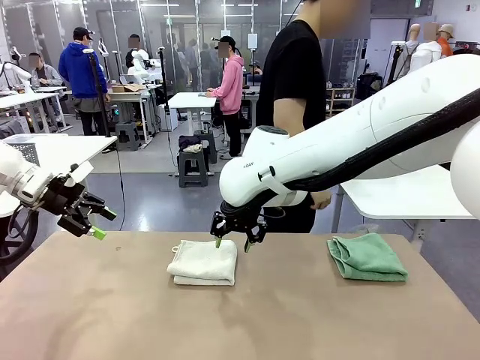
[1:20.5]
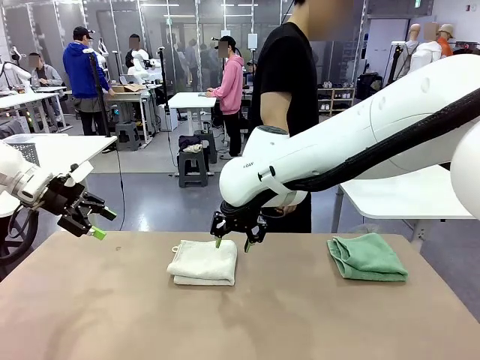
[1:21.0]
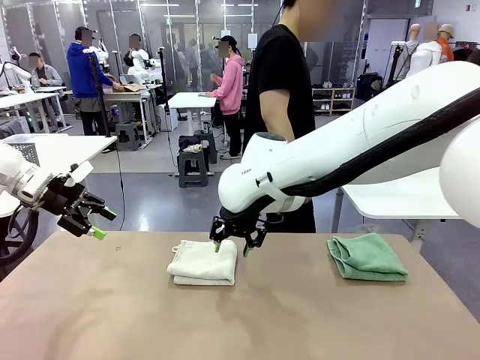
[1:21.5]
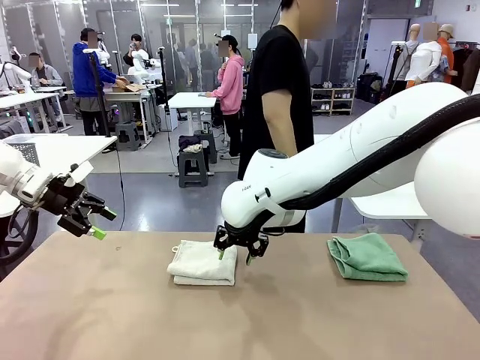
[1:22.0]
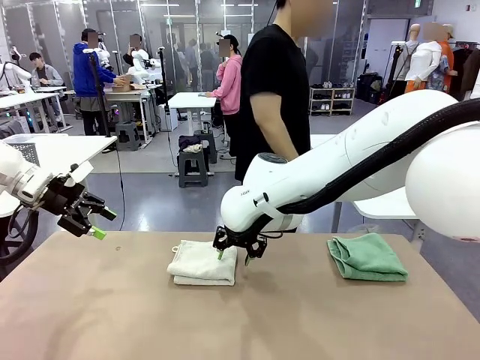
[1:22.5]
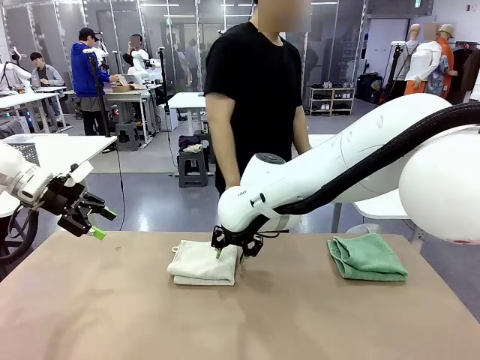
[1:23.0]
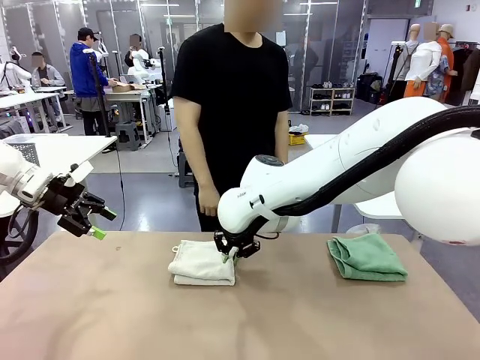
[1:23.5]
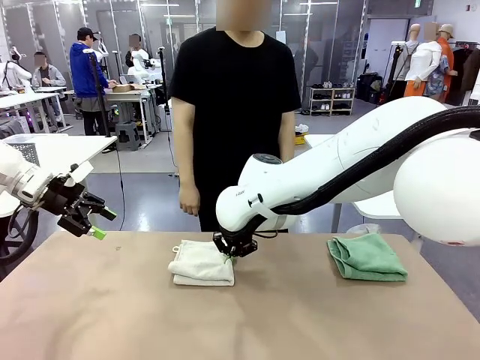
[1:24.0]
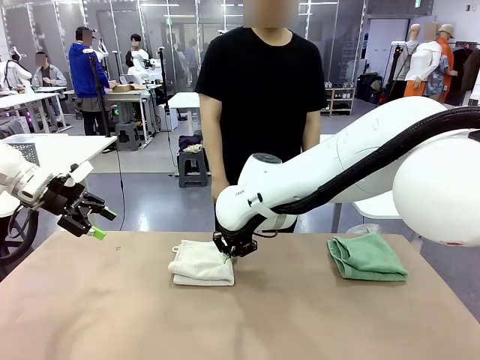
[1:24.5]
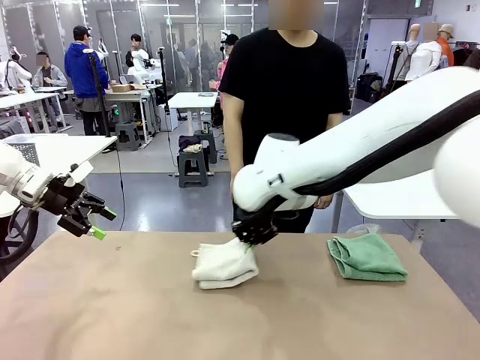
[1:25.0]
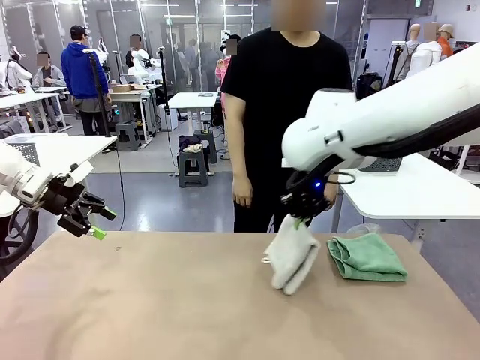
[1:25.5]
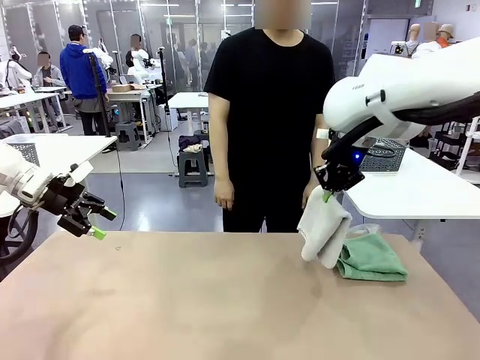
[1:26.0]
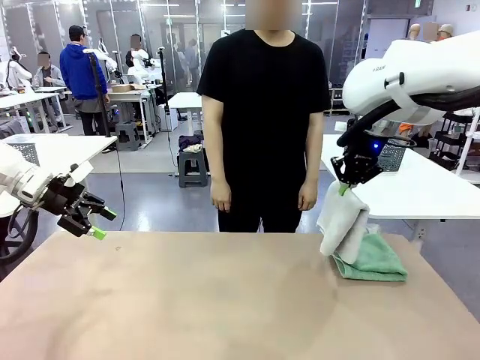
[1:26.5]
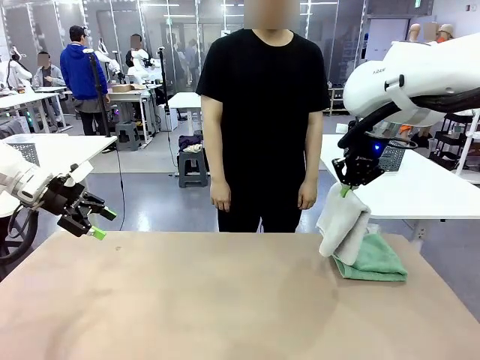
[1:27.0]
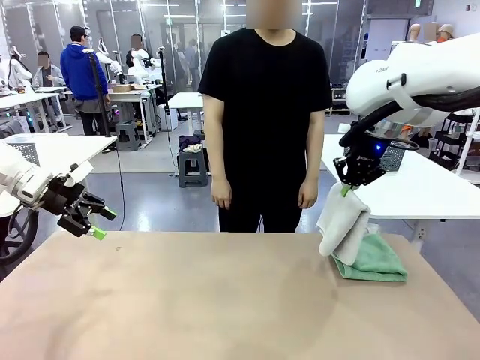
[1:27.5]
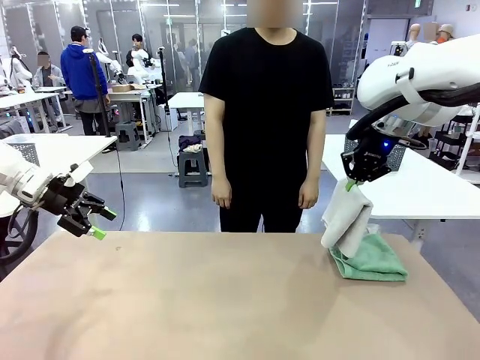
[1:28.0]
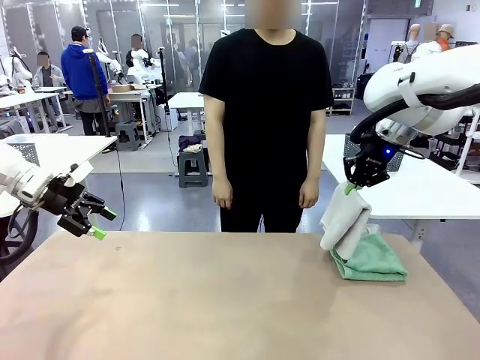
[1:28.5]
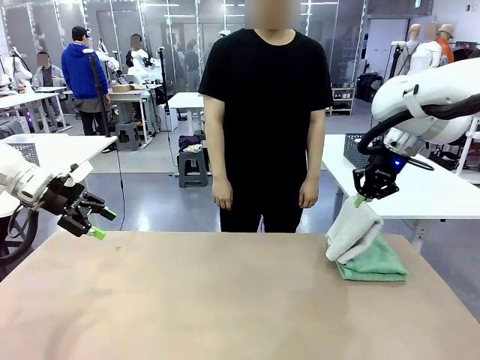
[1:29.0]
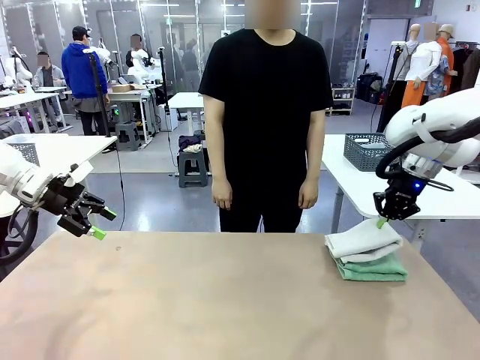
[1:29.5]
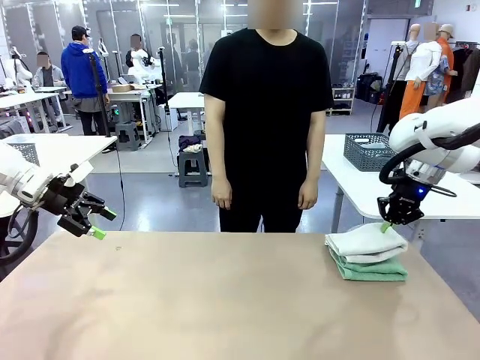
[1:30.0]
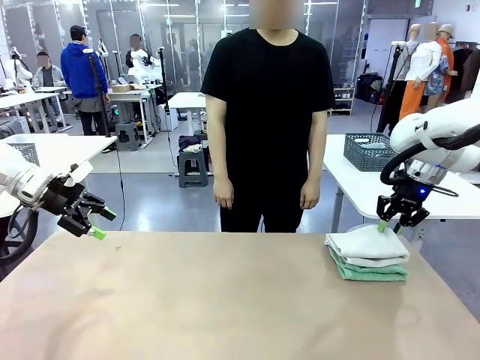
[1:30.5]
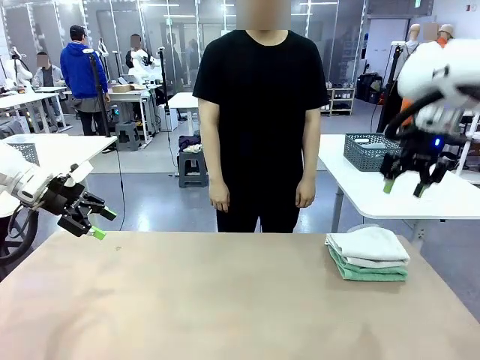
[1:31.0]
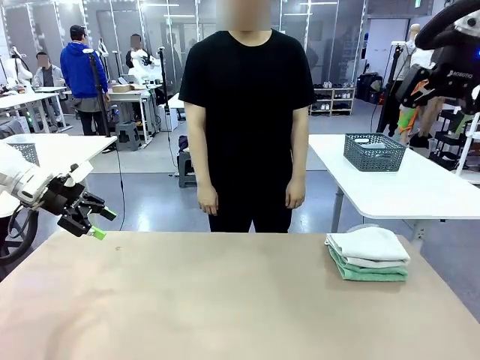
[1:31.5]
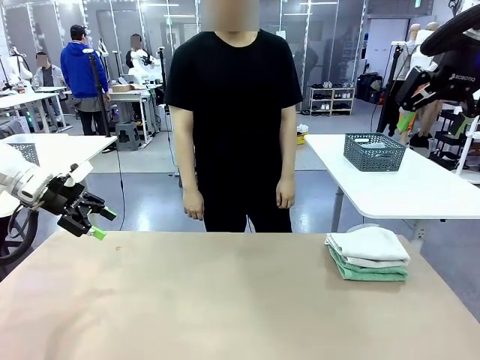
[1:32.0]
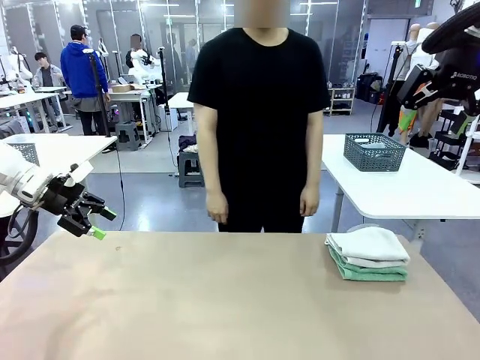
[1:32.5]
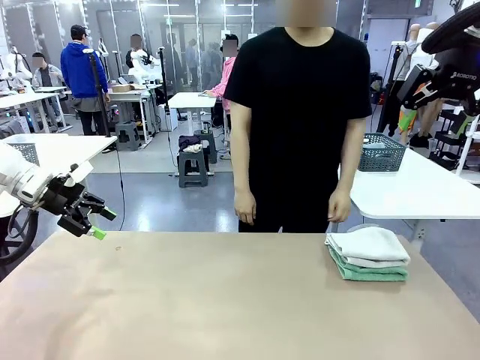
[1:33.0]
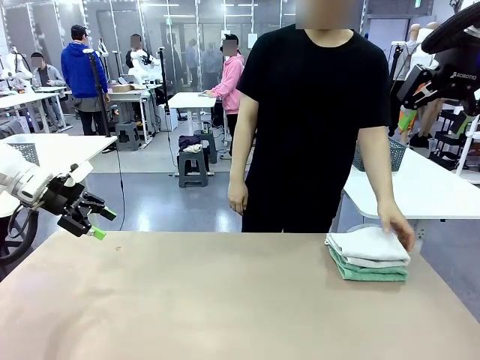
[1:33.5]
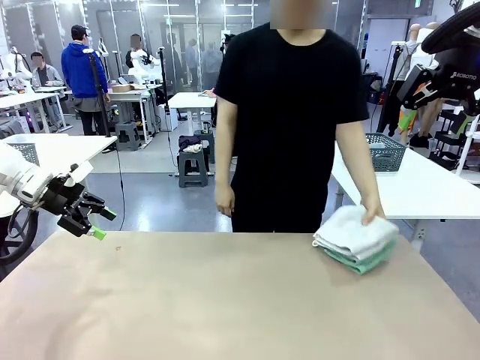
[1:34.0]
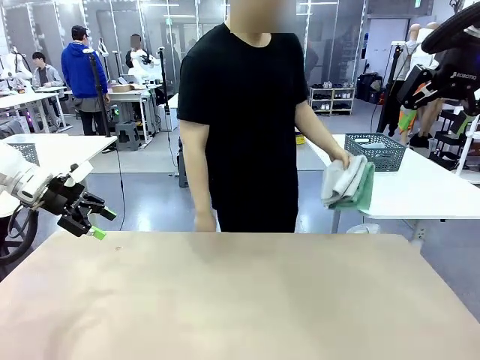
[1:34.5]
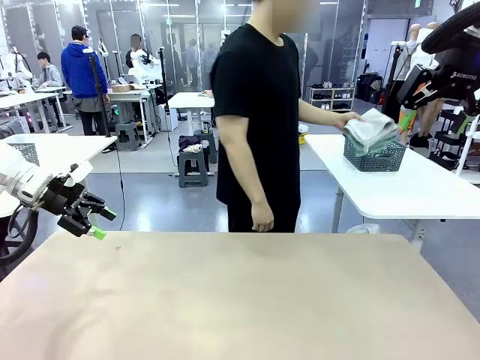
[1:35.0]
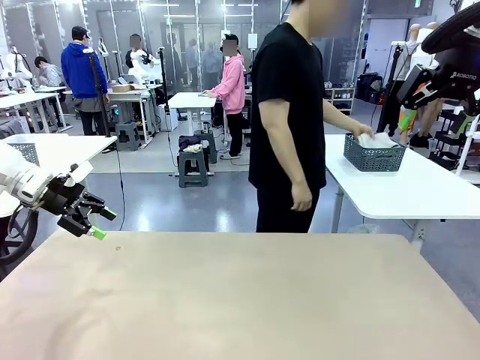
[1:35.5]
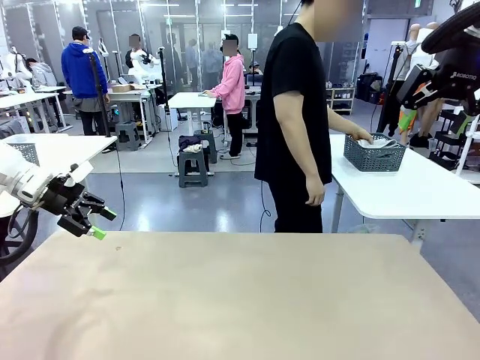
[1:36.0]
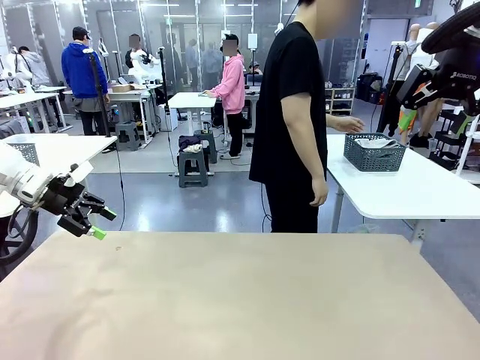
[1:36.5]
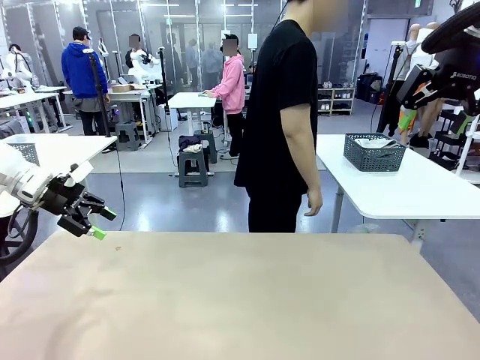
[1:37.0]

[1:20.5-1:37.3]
Task: Fold the towels and place them in the basket.
Robot: Stack the folded Towel with hook on the right side of the table.
Person: Pick up the stack of towels from the robot table and place it into the basket.
